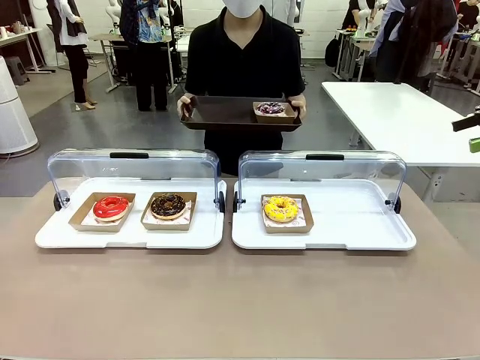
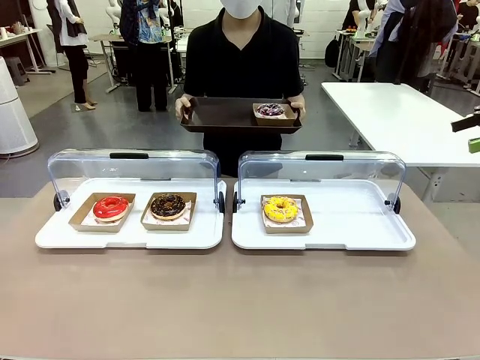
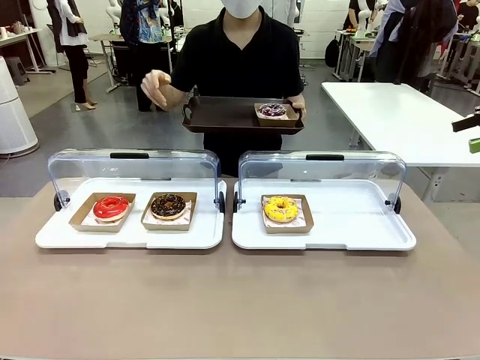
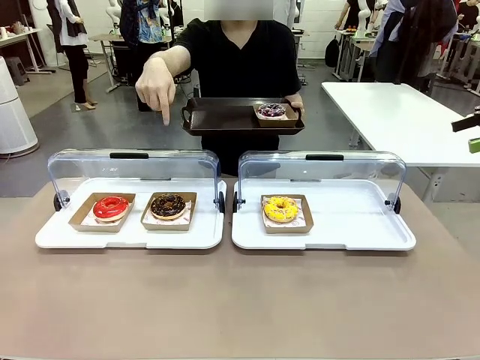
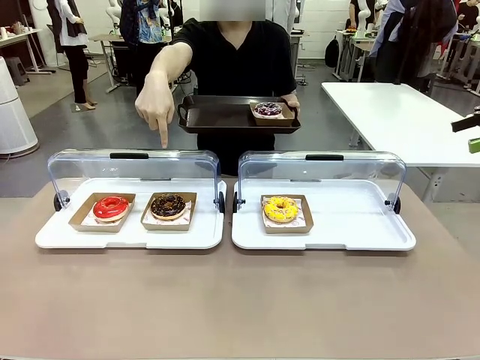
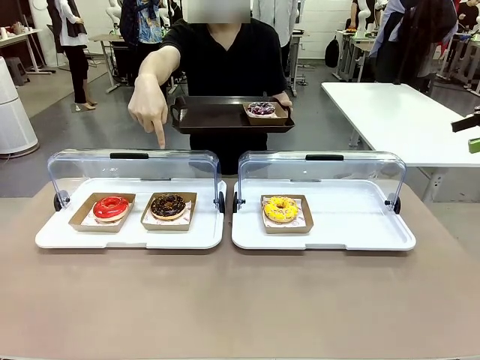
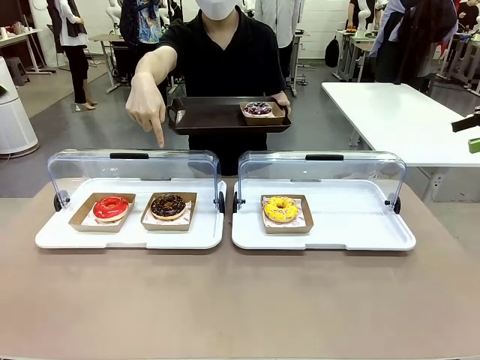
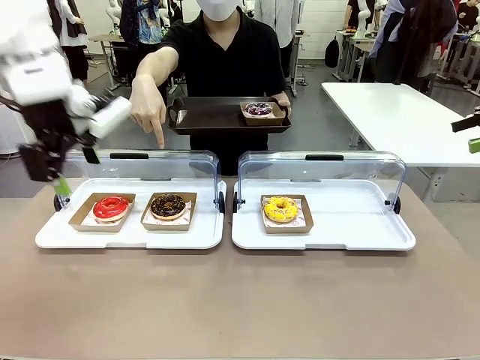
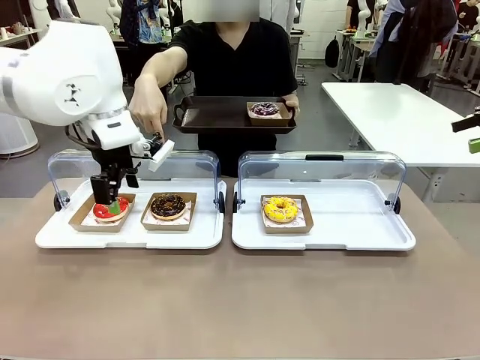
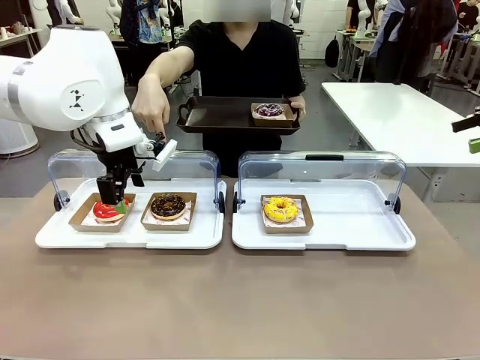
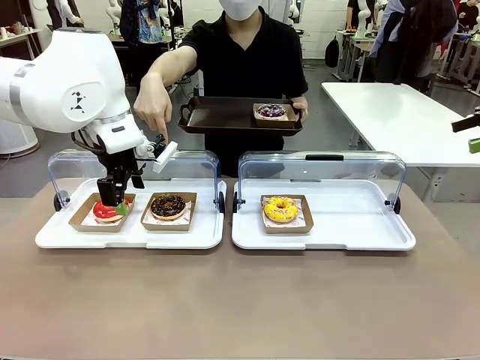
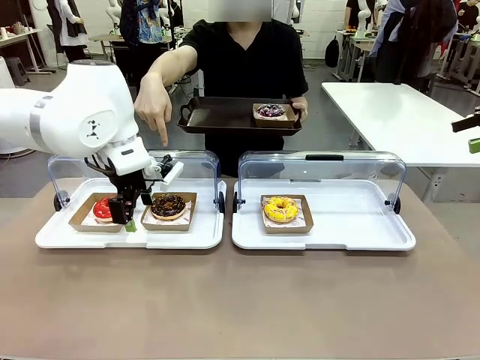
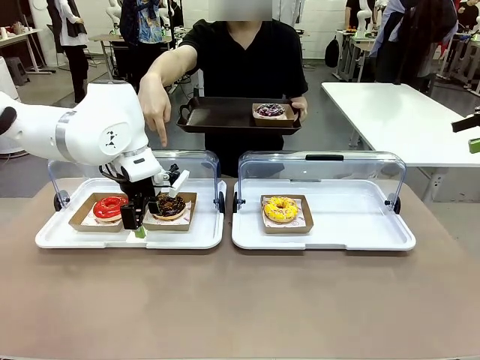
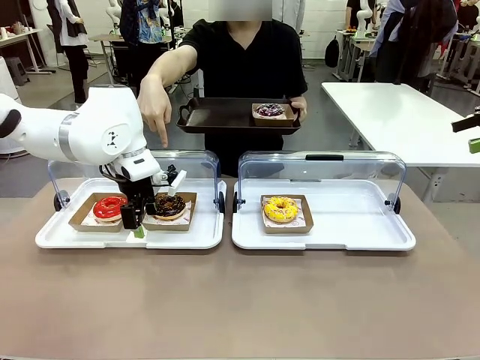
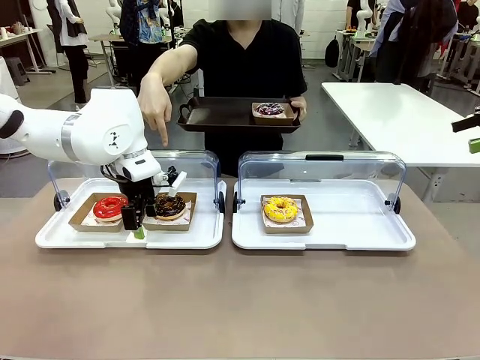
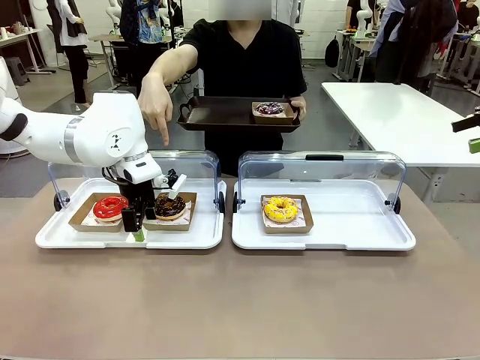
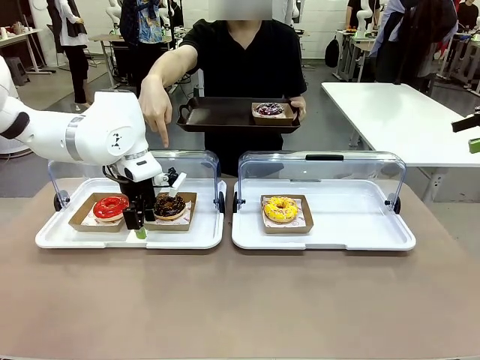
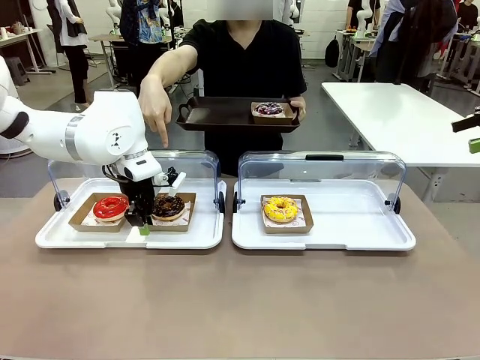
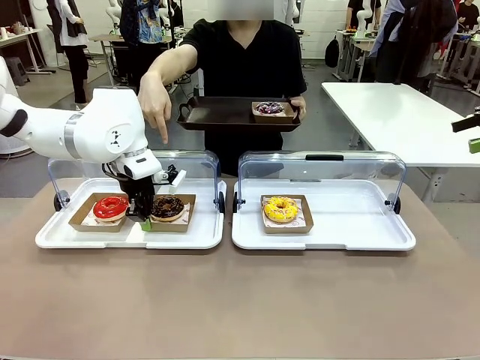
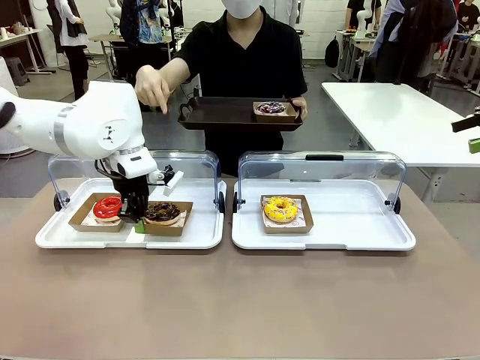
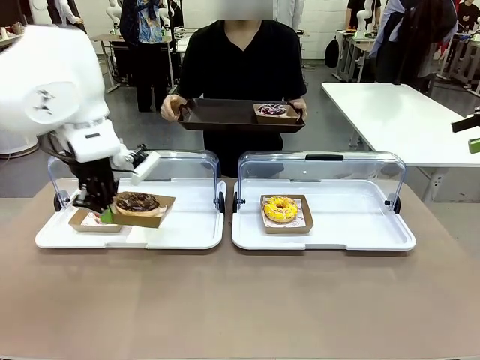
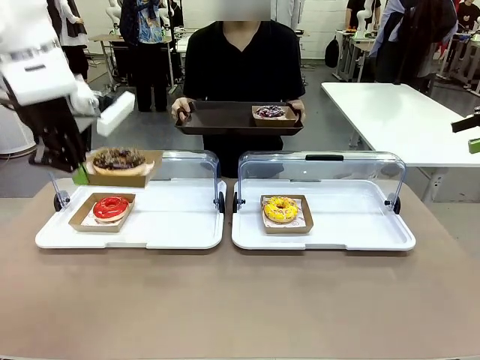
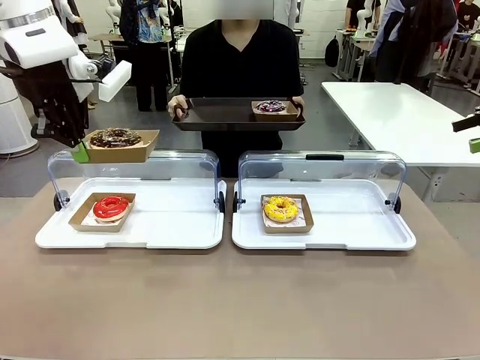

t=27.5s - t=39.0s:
Task: Provide the desired donut to the person.
Robot: Pick up and lift the Paper togo box containing the Donut pointed at by the person.
Person: Lift the tray onto the Roll-Top Bakery Case.

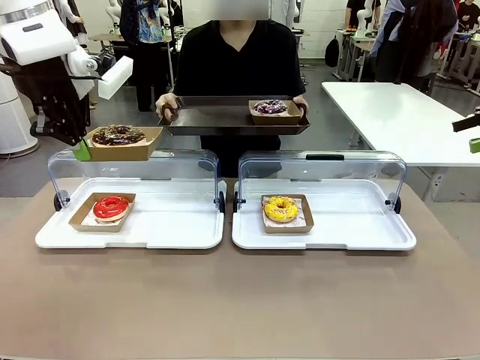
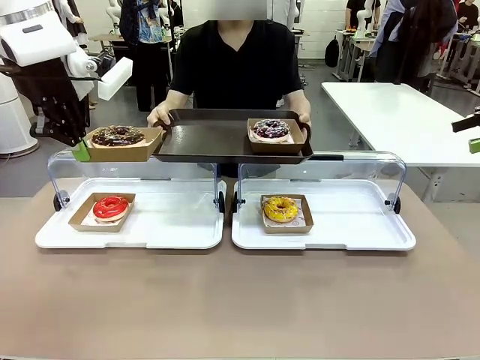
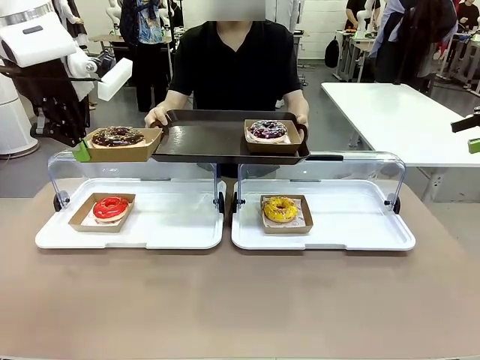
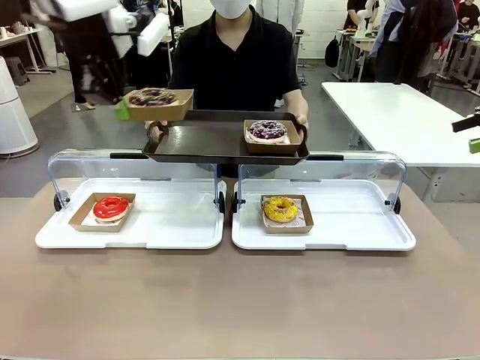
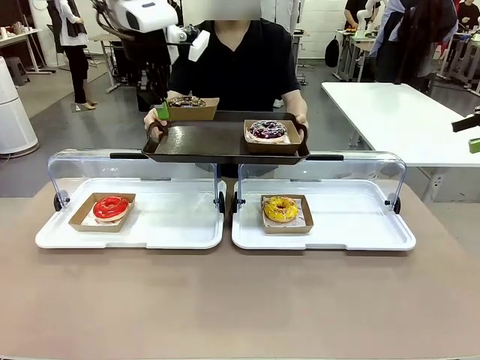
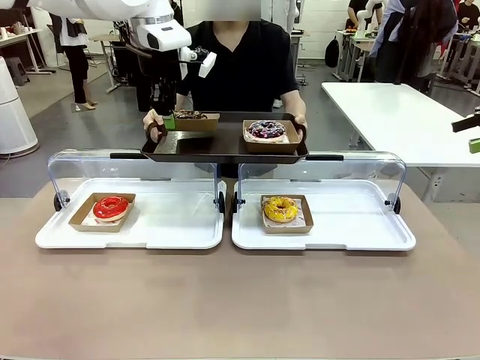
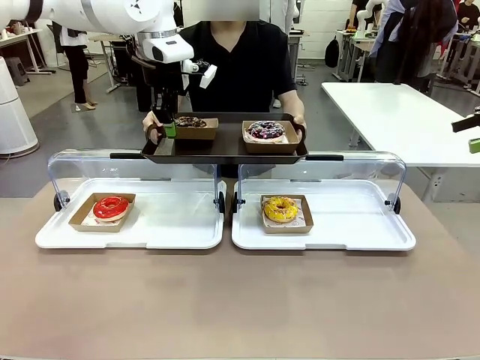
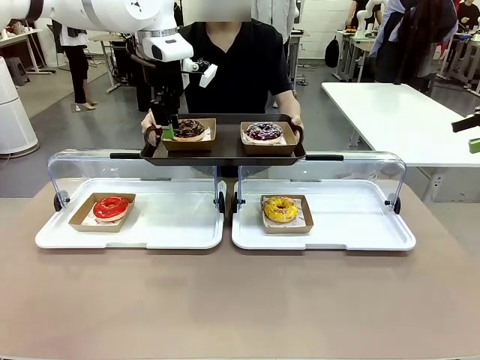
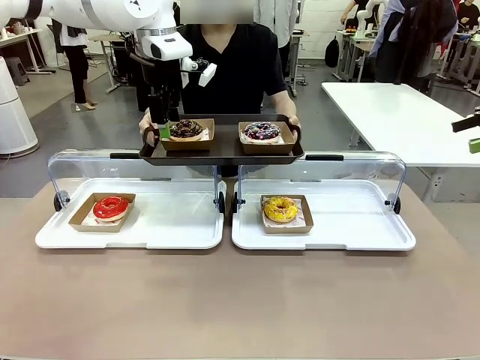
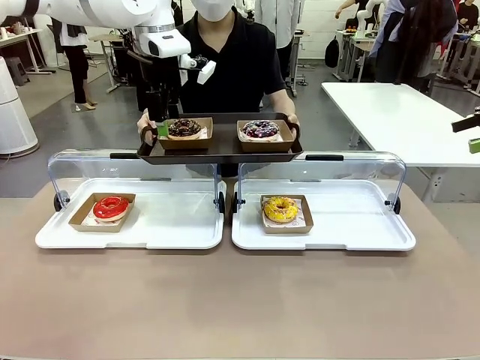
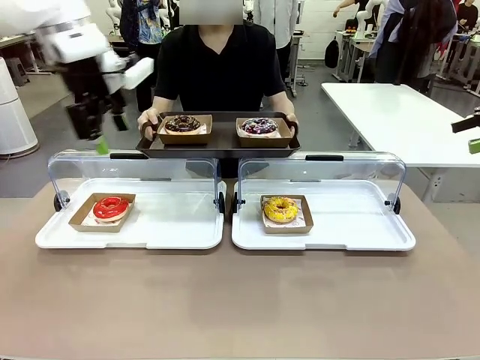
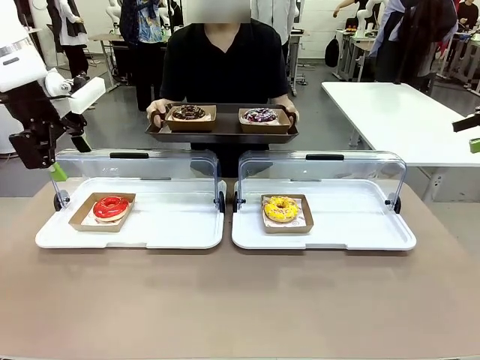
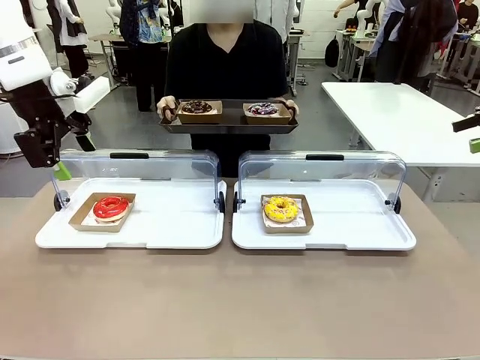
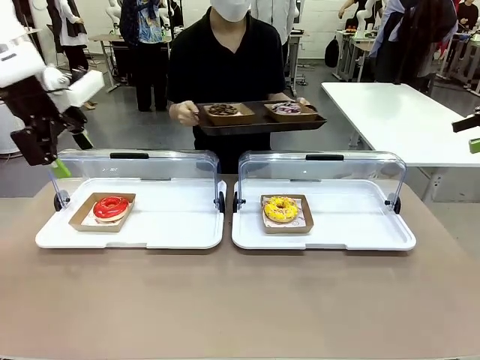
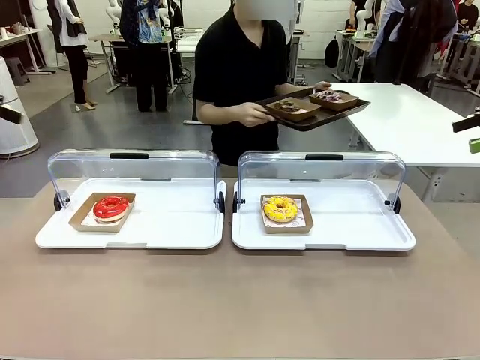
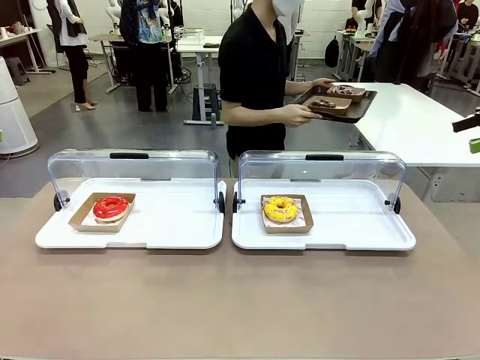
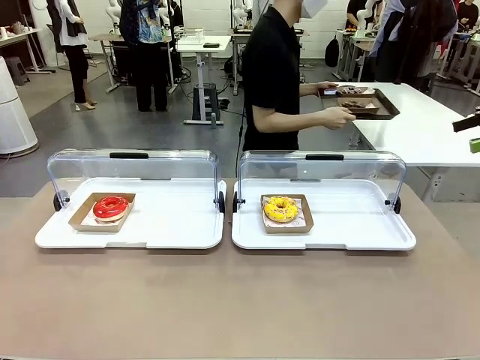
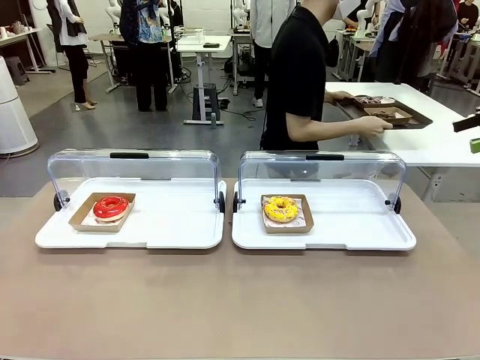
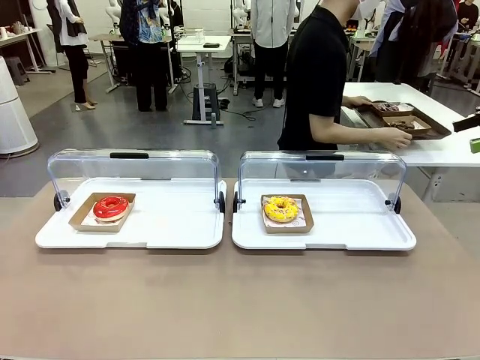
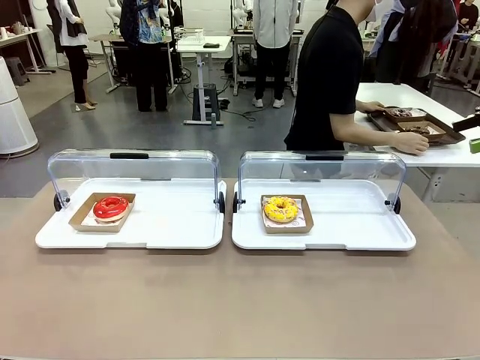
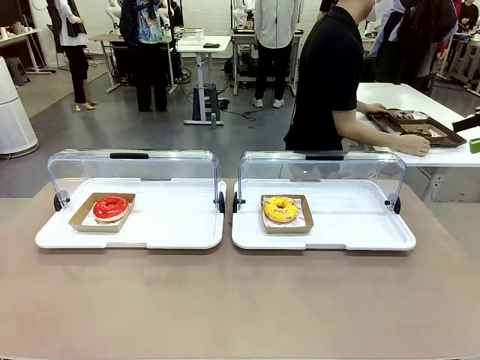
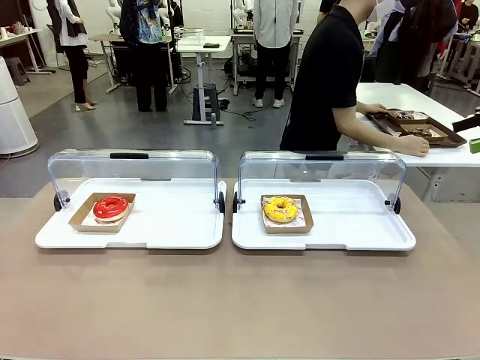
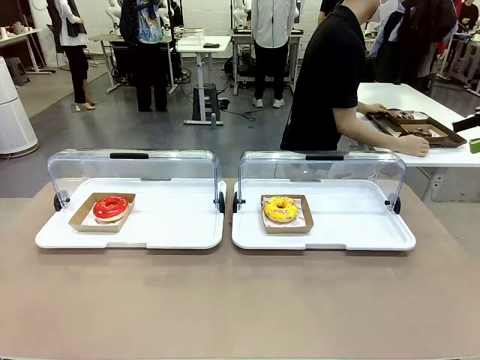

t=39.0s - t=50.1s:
Robot: Place the picked Paper togo box onto the Handle tray extended by the person.
Person: Place the tray in the middle of the human table.

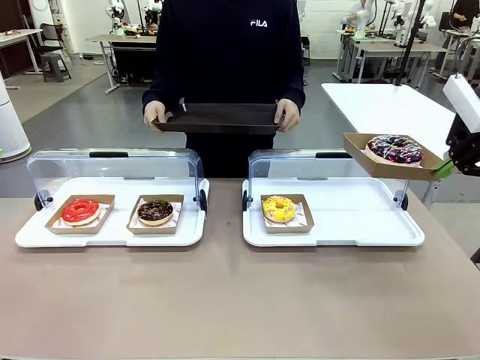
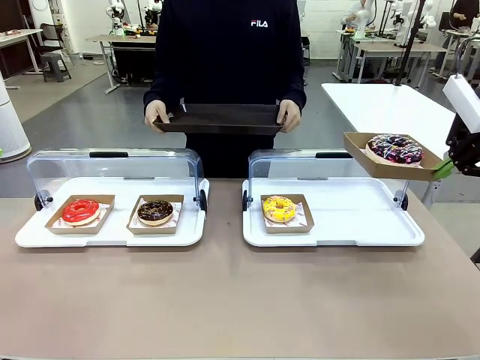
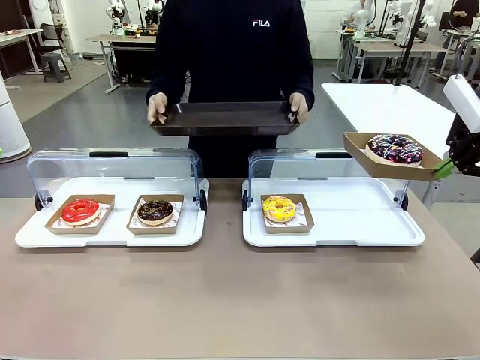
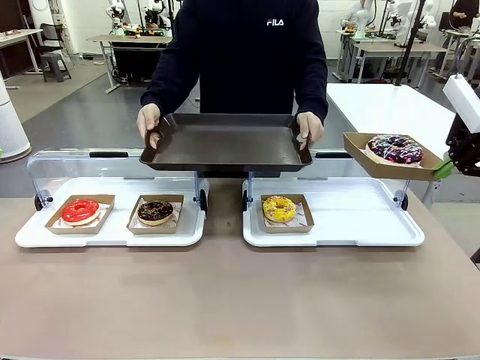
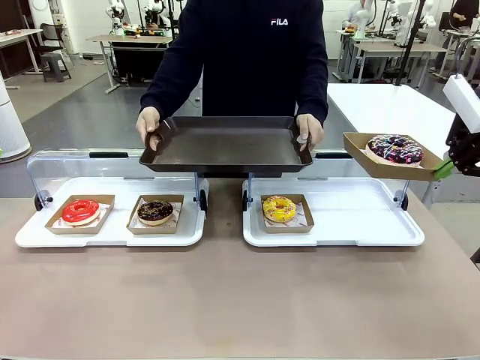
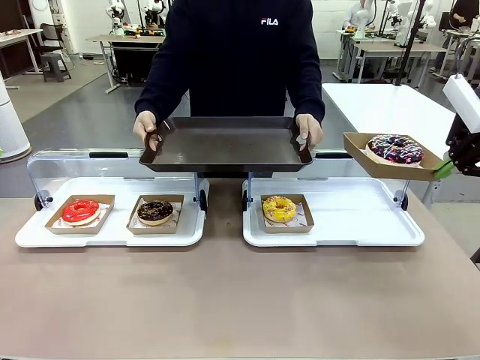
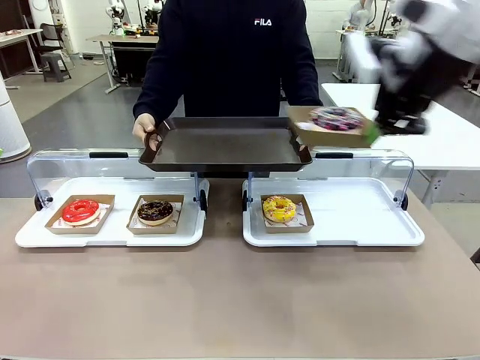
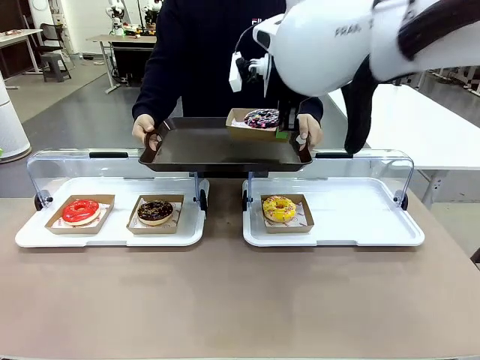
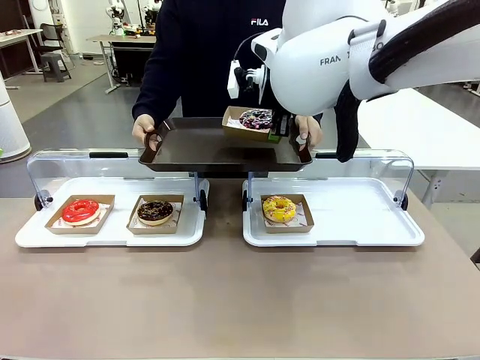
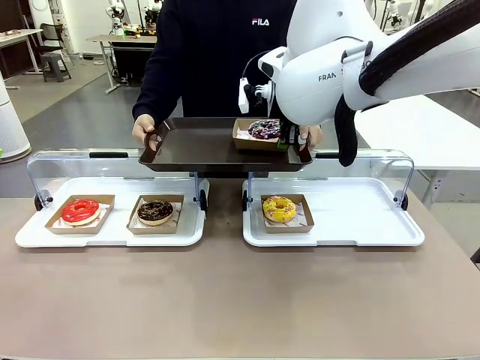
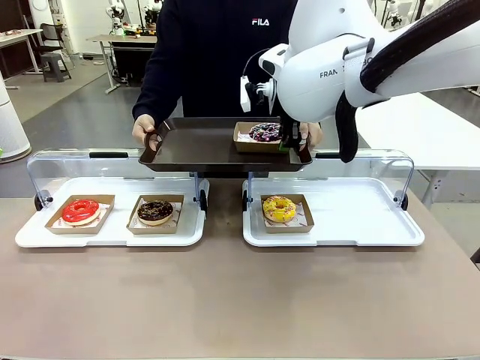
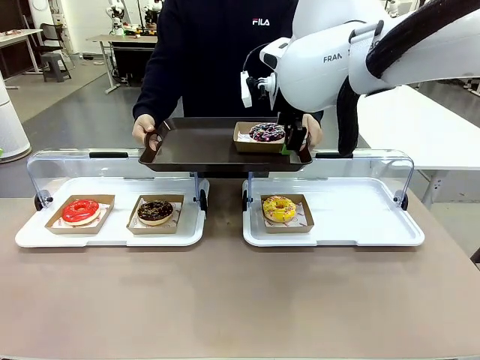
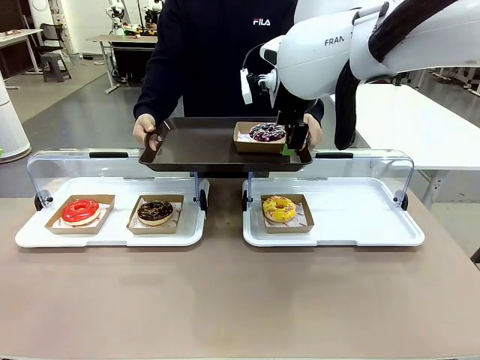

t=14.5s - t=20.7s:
Task: Provide the desired donut to the person.
Robot: Place the picked Paper togo box onto the Handle tray extended by the person.
Person: Point to one donut.
